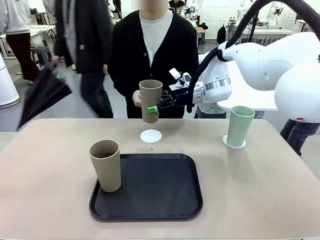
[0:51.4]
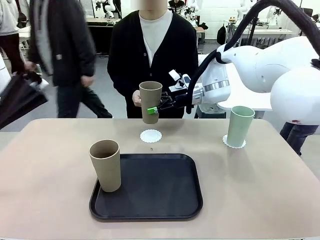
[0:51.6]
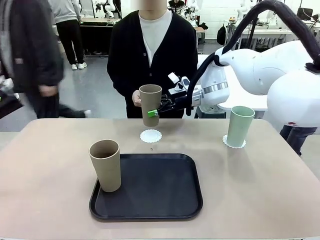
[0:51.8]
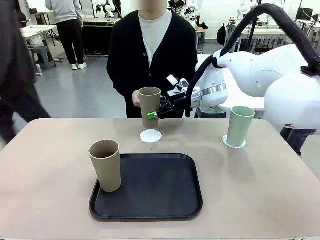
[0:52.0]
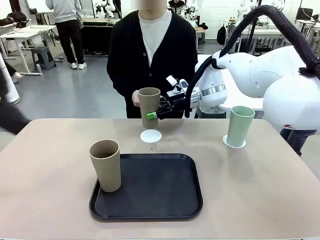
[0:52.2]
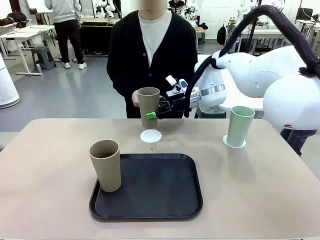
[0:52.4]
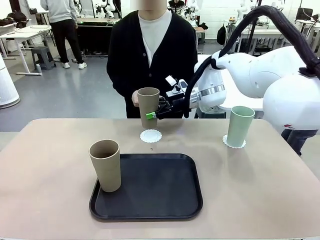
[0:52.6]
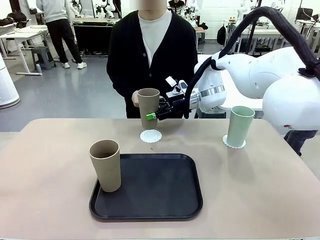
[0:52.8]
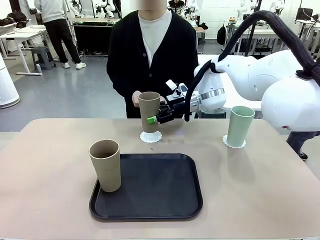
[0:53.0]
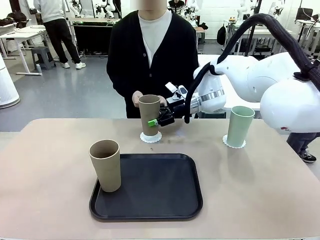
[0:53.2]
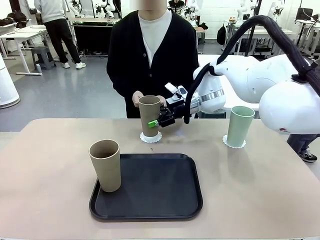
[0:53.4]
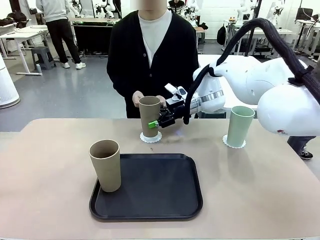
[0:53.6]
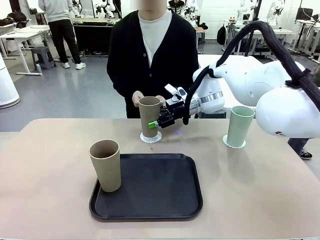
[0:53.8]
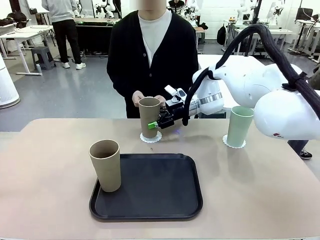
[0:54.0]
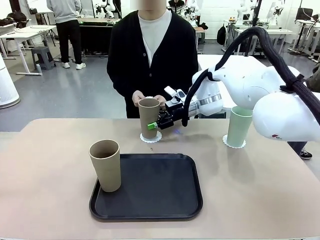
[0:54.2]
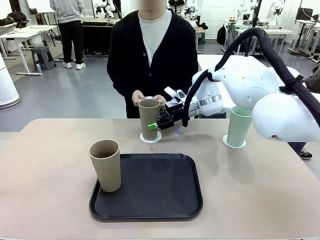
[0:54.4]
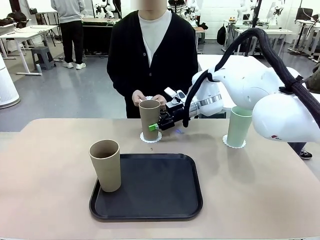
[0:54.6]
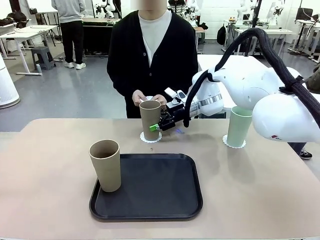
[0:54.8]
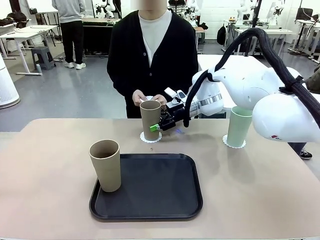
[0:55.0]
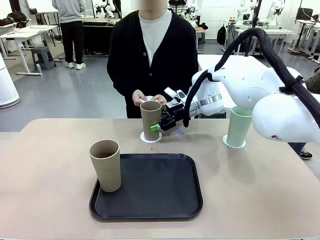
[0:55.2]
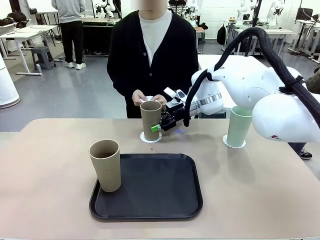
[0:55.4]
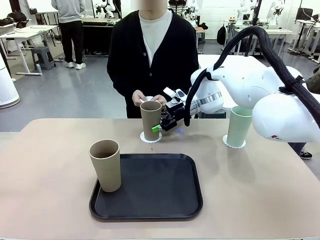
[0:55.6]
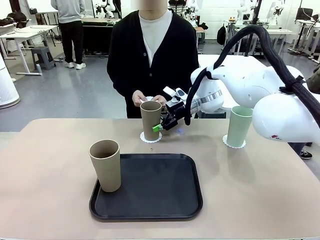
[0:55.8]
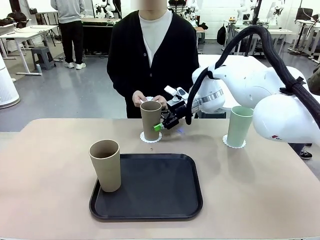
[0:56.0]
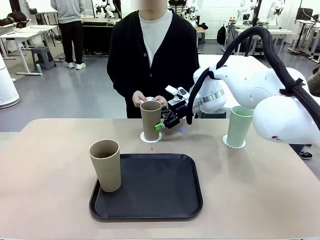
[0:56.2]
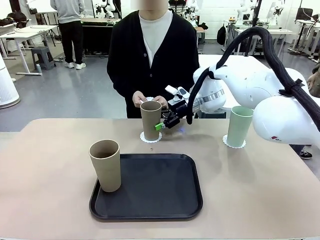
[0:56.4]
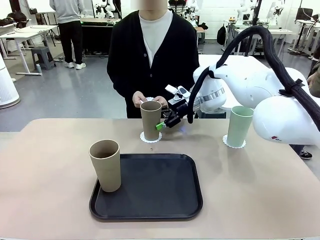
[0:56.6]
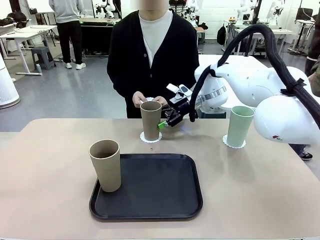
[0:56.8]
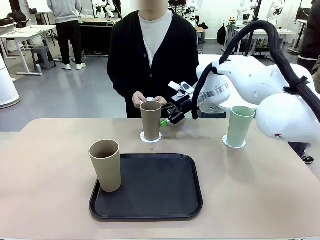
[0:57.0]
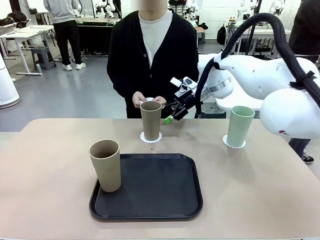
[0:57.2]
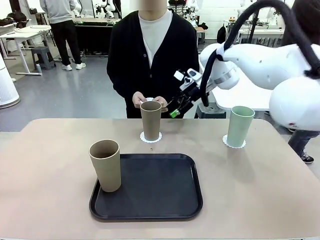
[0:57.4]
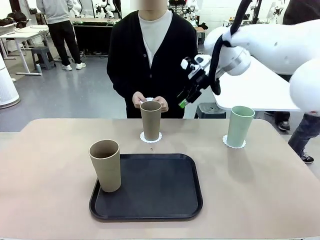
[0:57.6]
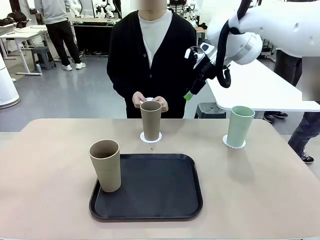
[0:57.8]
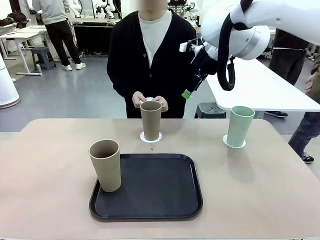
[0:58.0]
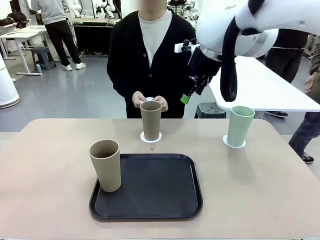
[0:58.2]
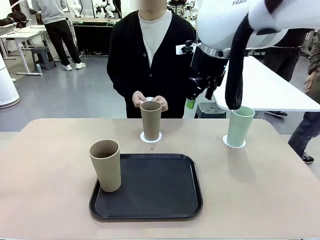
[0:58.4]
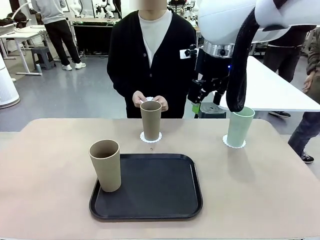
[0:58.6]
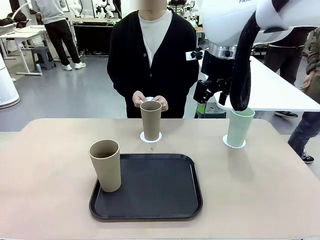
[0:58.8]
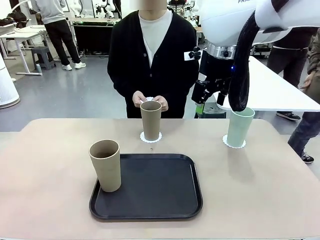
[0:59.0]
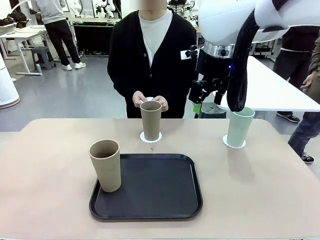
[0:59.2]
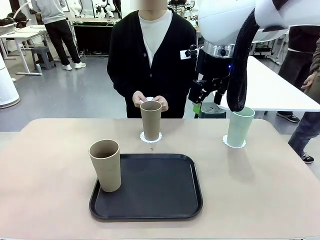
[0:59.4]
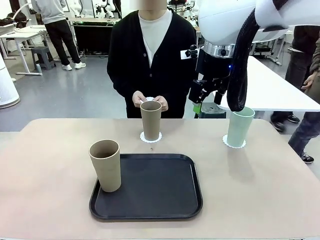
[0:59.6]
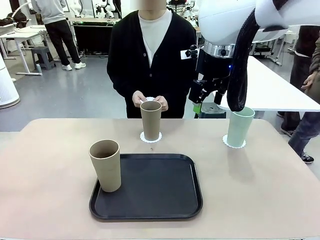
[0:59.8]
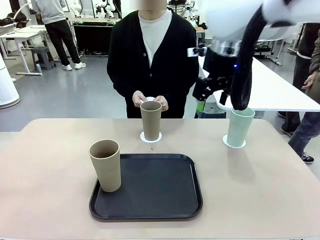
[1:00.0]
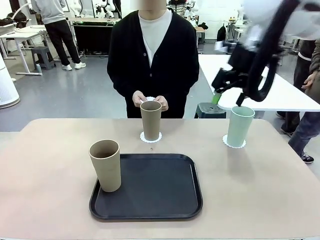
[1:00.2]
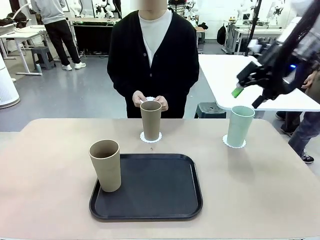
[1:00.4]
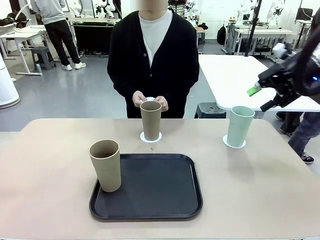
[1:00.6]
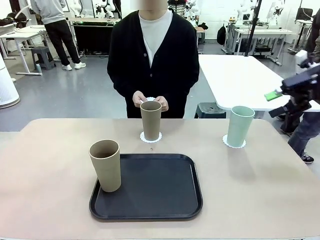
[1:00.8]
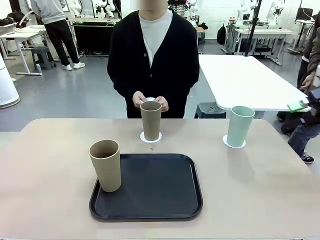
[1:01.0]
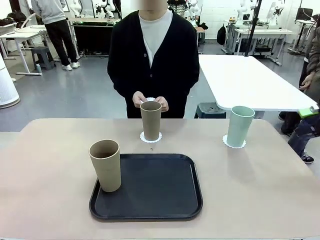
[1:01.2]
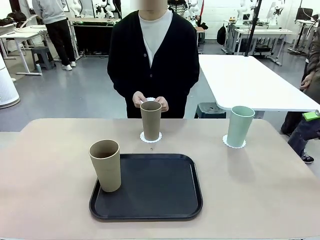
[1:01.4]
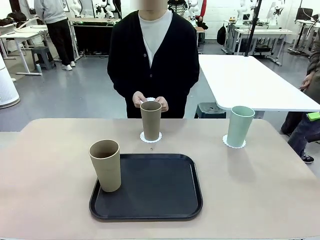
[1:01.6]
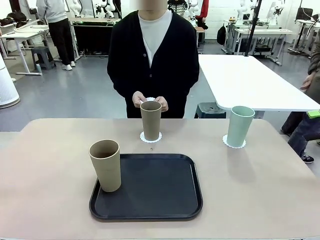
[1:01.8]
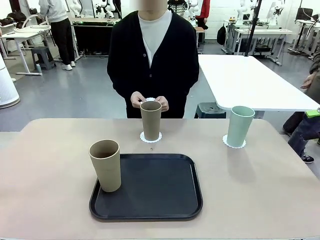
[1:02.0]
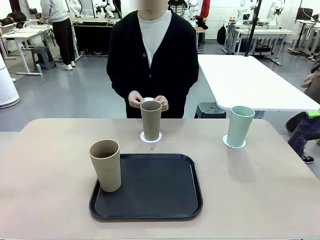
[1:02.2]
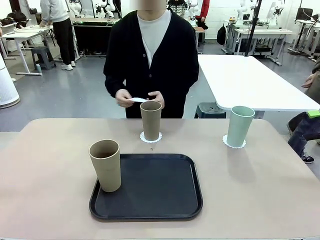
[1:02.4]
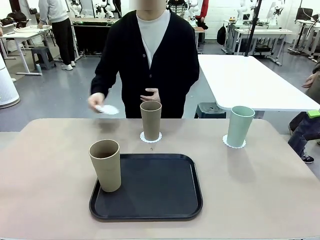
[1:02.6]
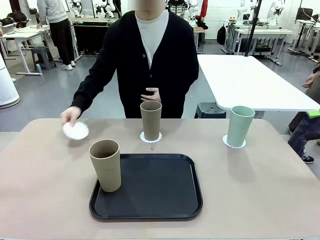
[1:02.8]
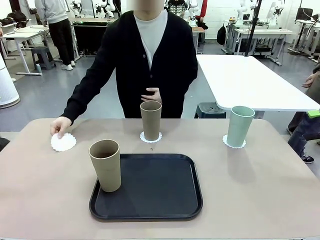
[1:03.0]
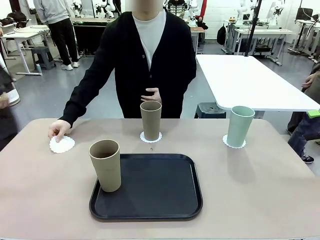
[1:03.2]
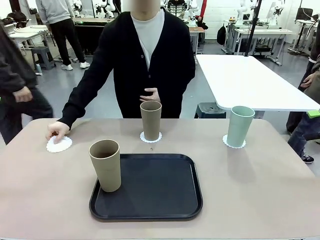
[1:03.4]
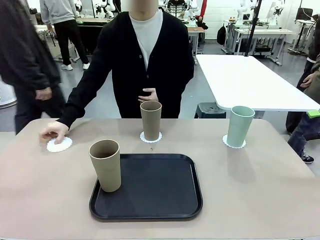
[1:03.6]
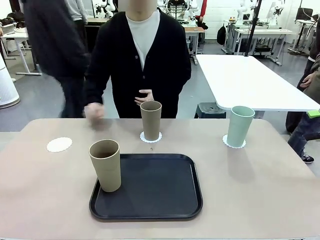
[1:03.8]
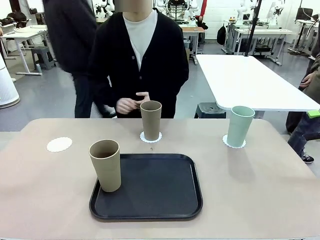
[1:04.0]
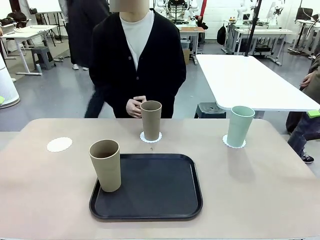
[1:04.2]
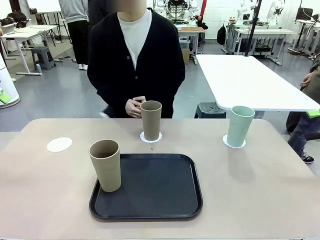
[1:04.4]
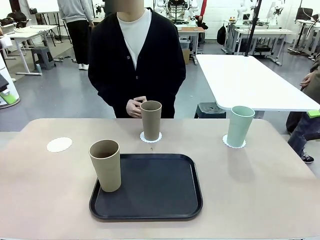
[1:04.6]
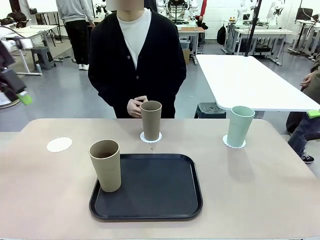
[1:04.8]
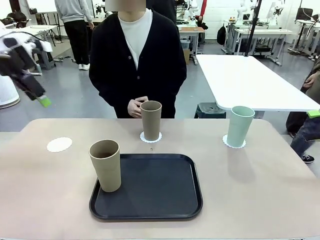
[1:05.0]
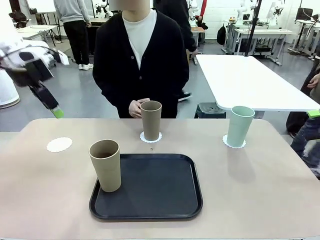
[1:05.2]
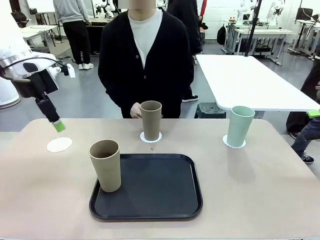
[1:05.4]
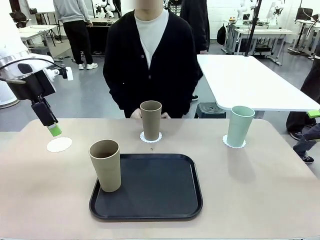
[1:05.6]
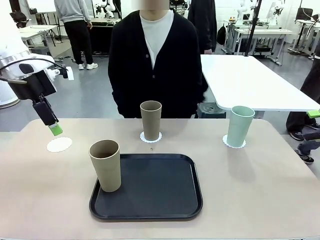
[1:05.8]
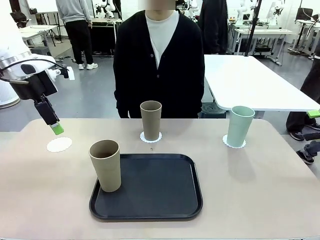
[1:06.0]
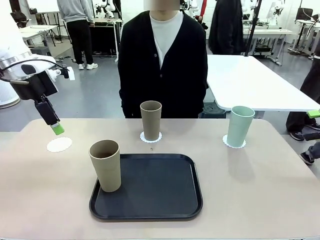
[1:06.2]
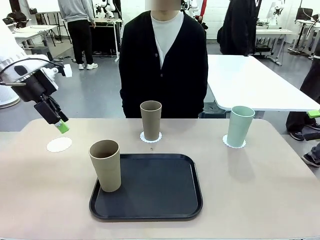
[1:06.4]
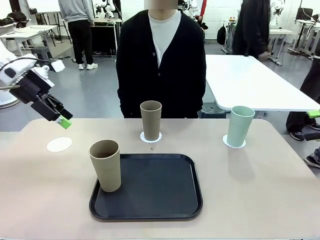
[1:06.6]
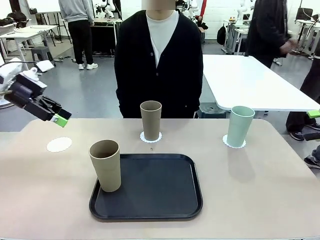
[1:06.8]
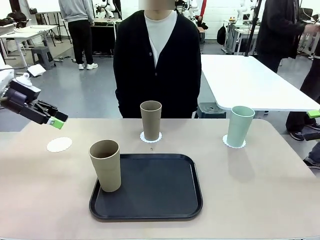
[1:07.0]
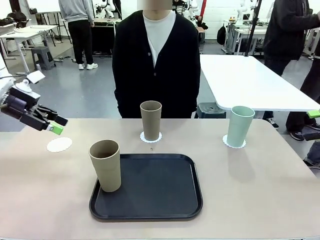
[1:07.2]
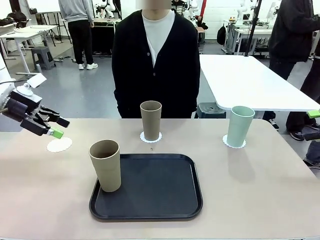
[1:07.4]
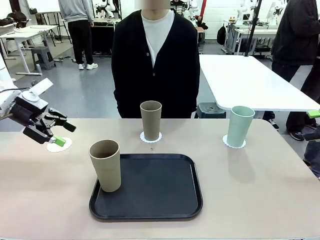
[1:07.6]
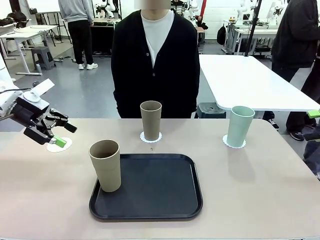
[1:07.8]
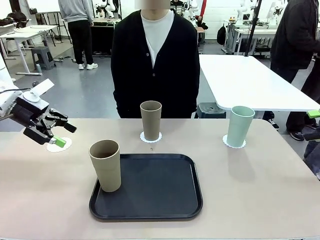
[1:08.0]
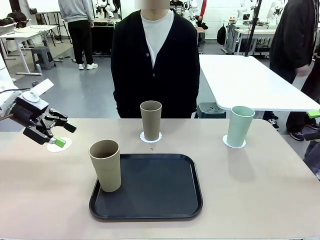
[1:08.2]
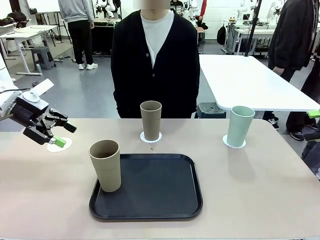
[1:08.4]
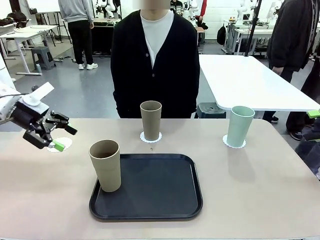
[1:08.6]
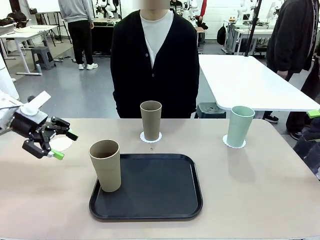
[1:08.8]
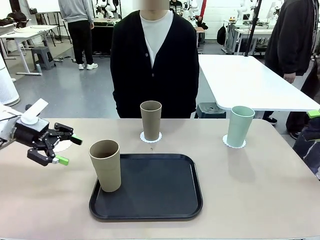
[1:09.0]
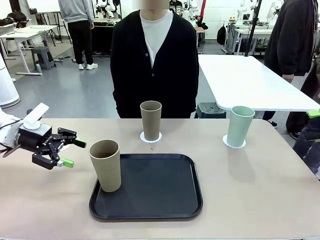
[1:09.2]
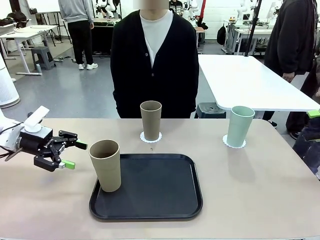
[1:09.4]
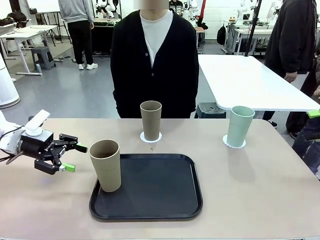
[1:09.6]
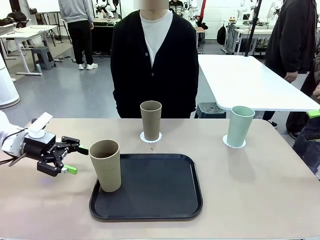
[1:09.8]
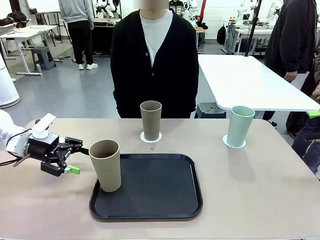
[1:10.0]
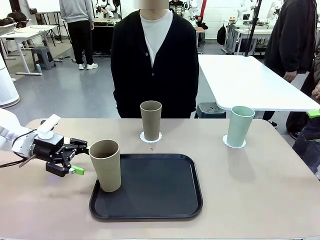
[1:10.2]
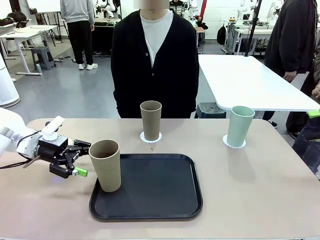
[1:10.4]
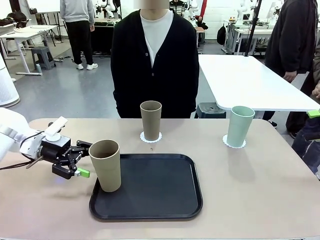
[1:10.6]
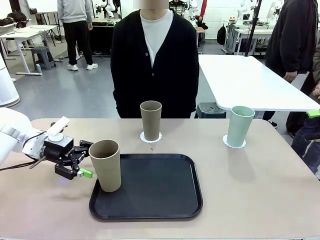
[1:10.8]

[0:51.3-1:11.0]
Task: Place coasters on the table and set cups on them.
Robot: Take one Reusable plastic cup from the Flat Tray and place it on a coaster set by the human.
